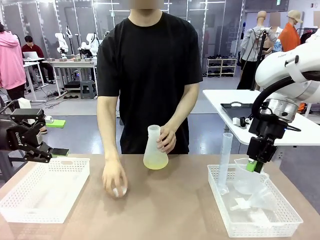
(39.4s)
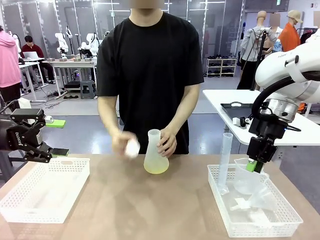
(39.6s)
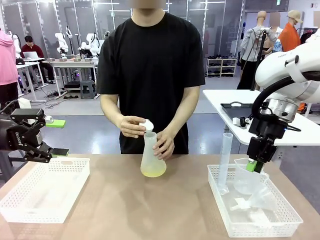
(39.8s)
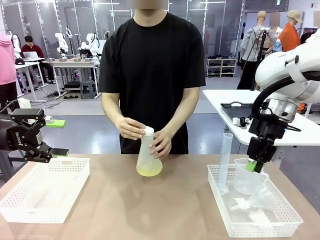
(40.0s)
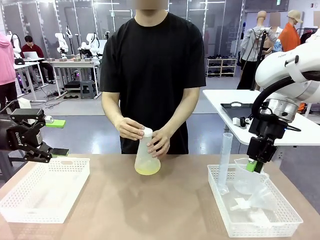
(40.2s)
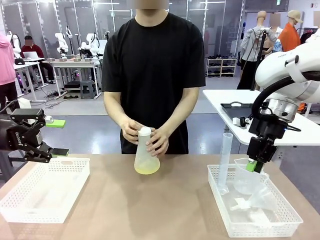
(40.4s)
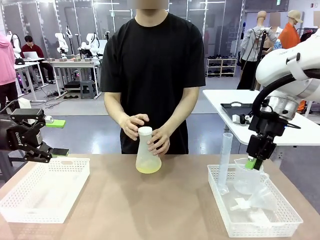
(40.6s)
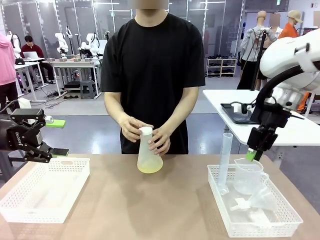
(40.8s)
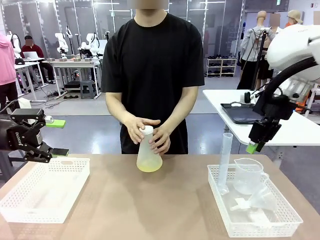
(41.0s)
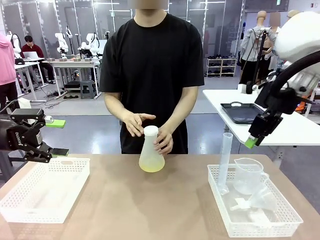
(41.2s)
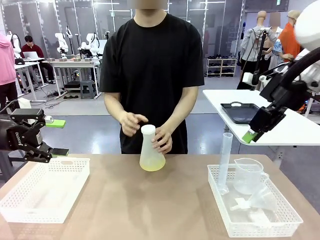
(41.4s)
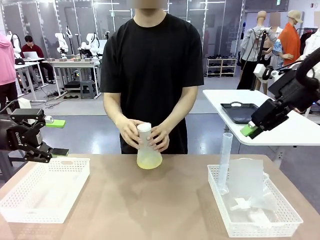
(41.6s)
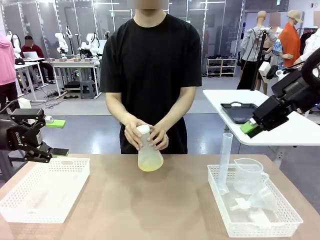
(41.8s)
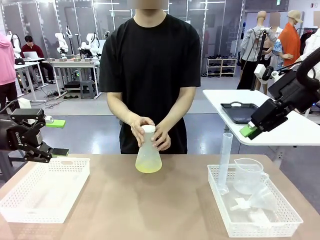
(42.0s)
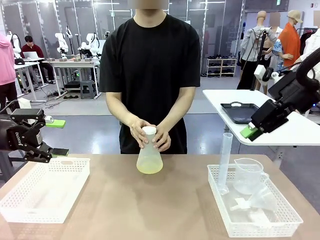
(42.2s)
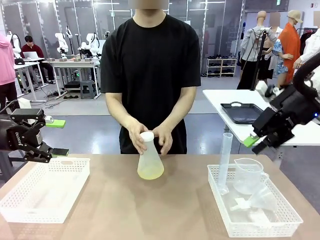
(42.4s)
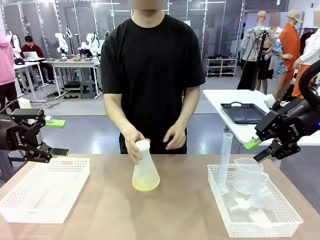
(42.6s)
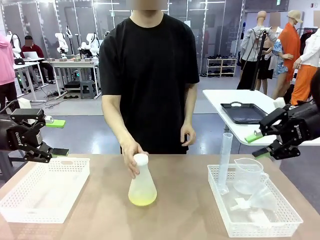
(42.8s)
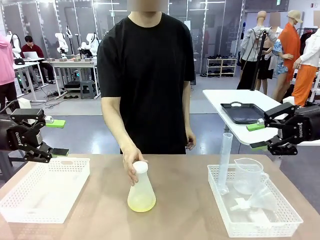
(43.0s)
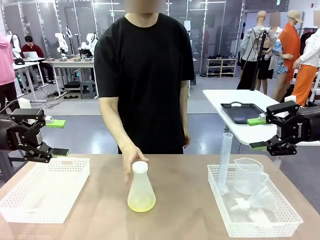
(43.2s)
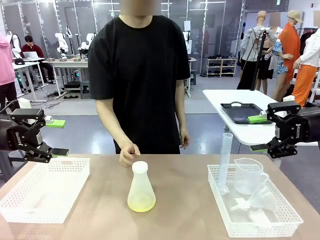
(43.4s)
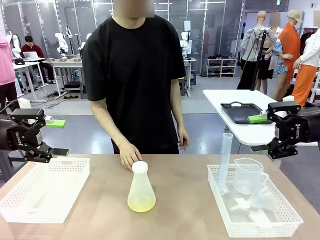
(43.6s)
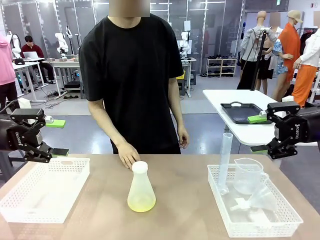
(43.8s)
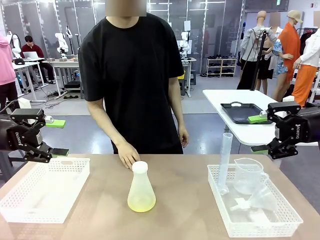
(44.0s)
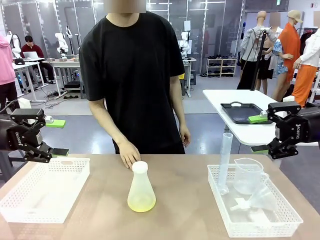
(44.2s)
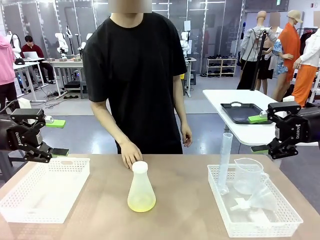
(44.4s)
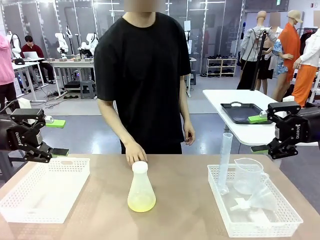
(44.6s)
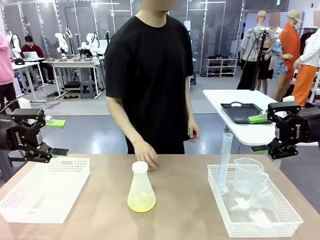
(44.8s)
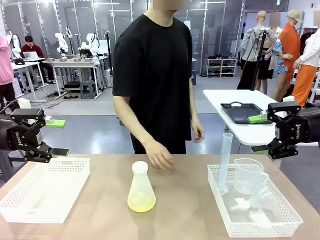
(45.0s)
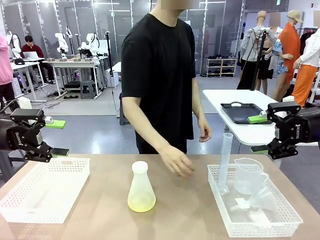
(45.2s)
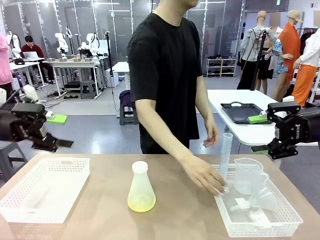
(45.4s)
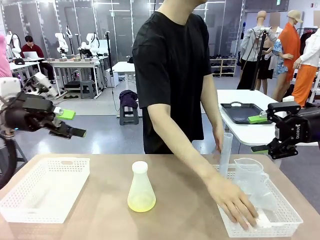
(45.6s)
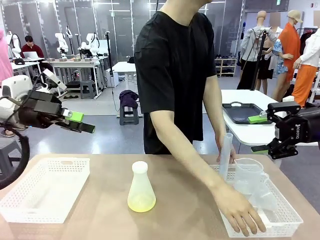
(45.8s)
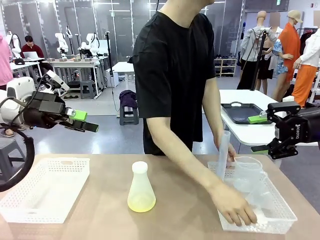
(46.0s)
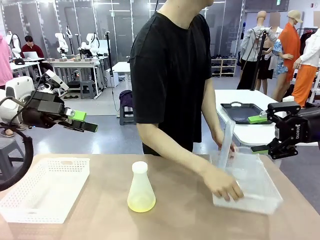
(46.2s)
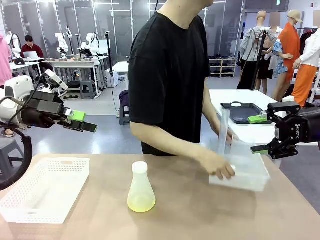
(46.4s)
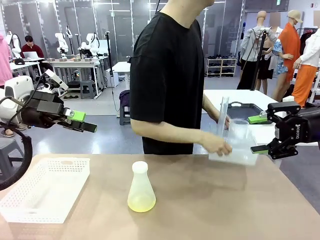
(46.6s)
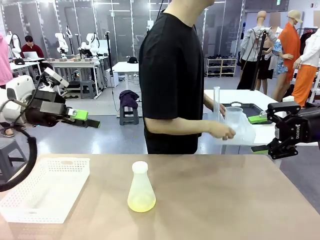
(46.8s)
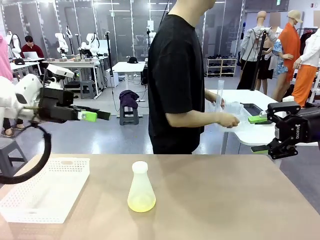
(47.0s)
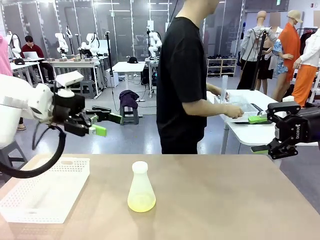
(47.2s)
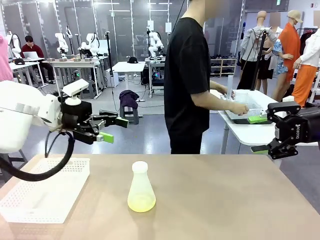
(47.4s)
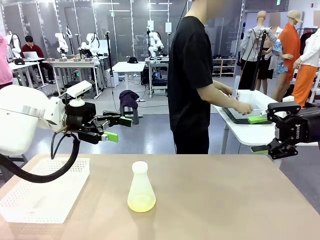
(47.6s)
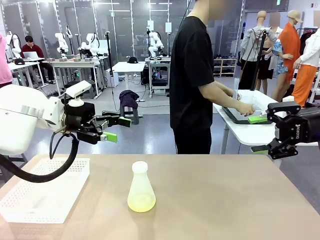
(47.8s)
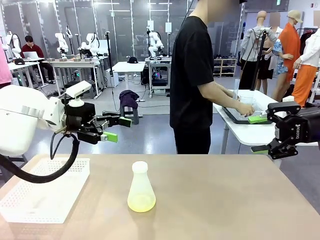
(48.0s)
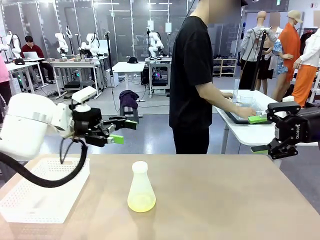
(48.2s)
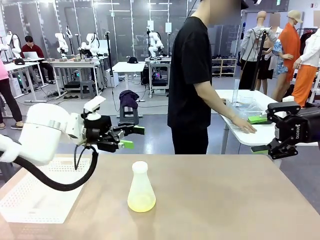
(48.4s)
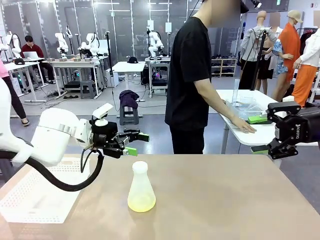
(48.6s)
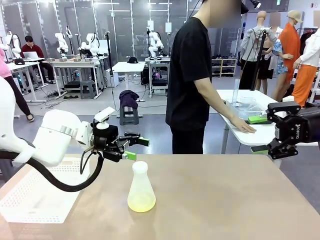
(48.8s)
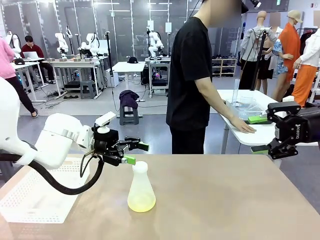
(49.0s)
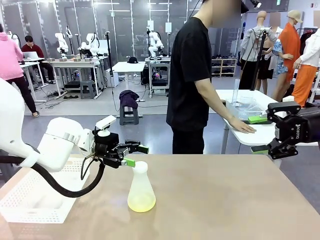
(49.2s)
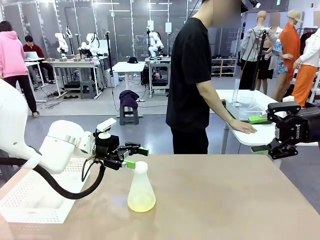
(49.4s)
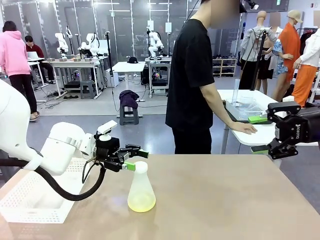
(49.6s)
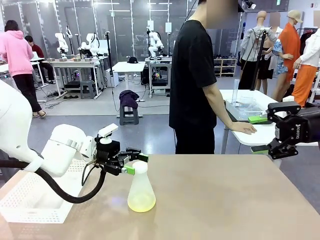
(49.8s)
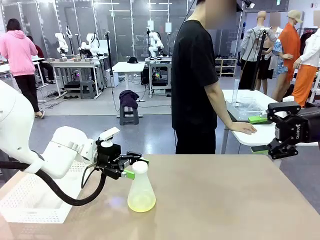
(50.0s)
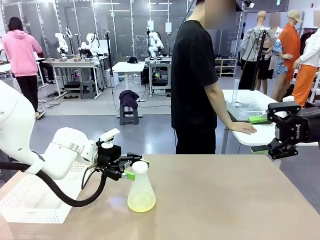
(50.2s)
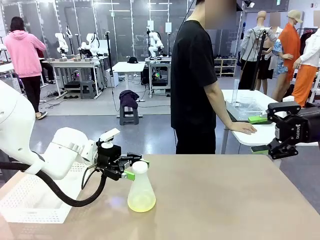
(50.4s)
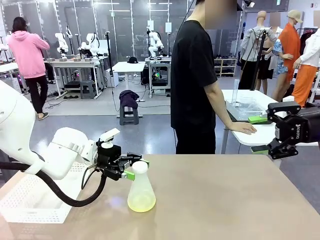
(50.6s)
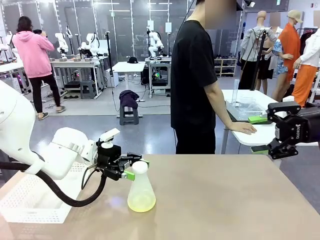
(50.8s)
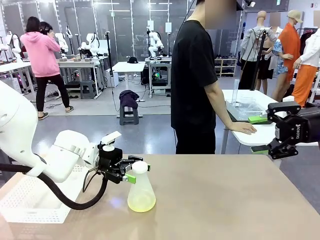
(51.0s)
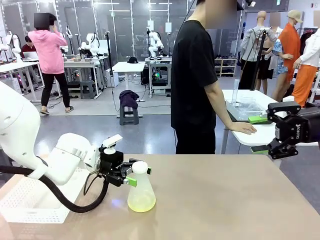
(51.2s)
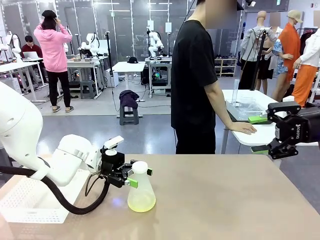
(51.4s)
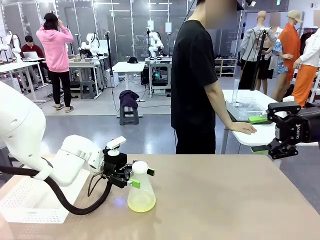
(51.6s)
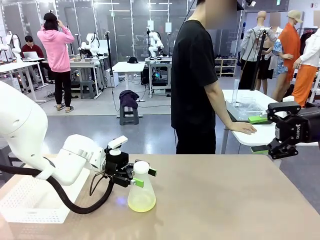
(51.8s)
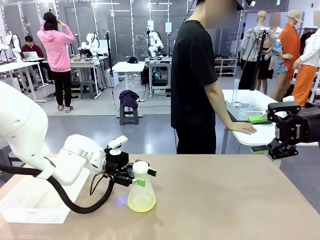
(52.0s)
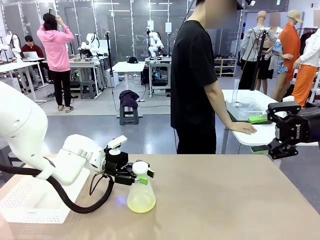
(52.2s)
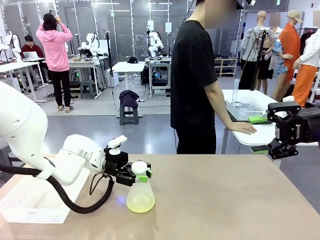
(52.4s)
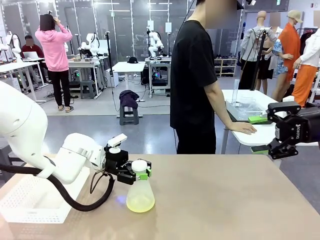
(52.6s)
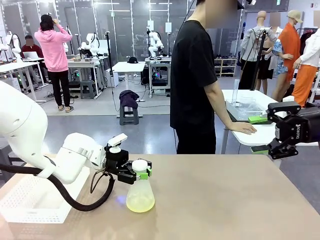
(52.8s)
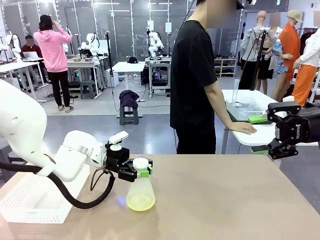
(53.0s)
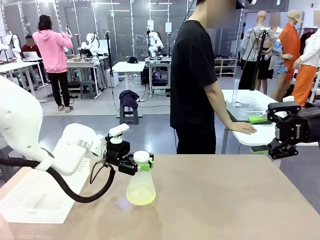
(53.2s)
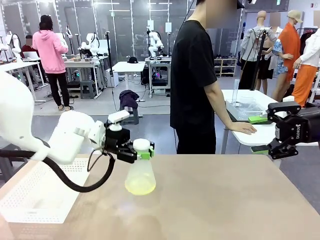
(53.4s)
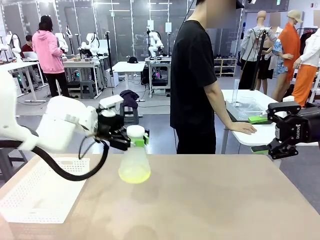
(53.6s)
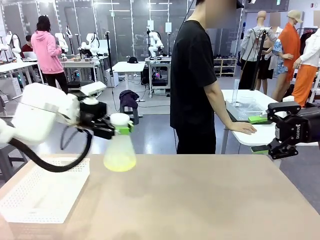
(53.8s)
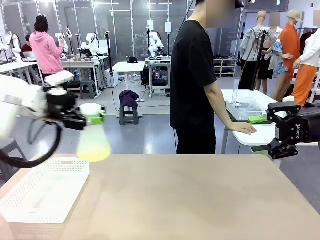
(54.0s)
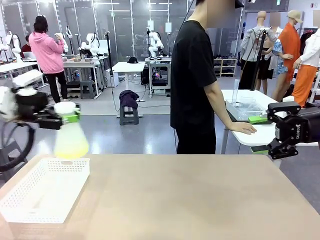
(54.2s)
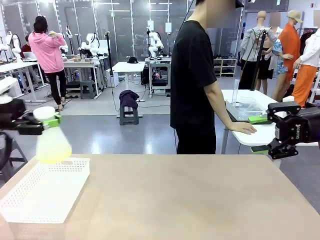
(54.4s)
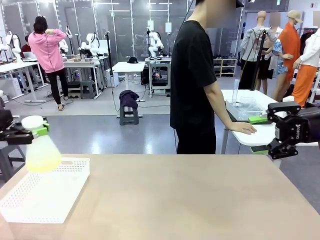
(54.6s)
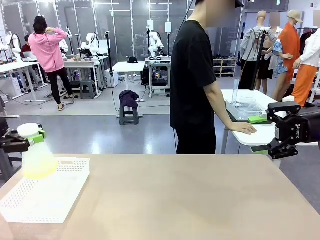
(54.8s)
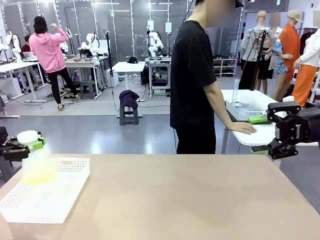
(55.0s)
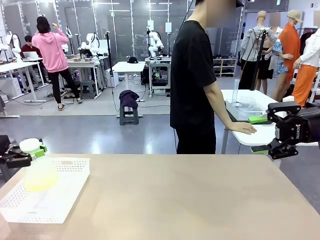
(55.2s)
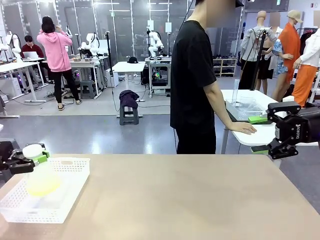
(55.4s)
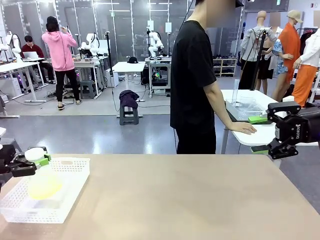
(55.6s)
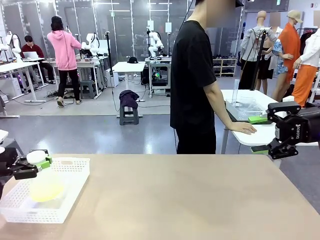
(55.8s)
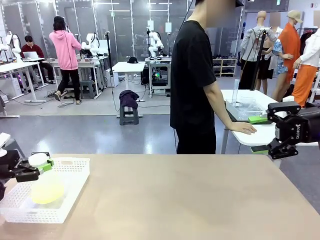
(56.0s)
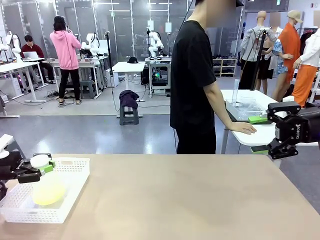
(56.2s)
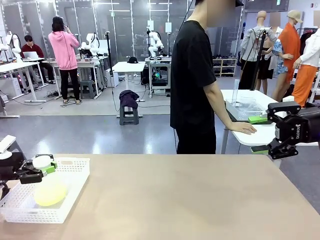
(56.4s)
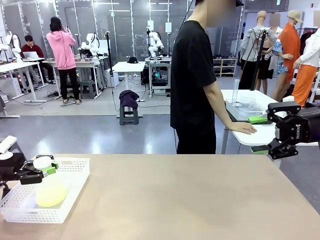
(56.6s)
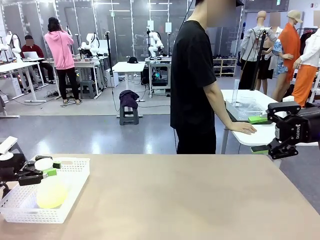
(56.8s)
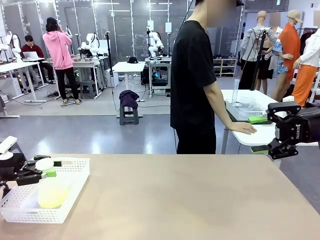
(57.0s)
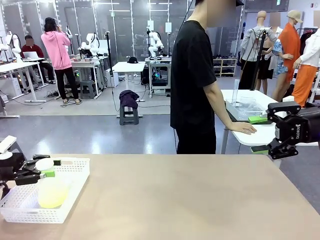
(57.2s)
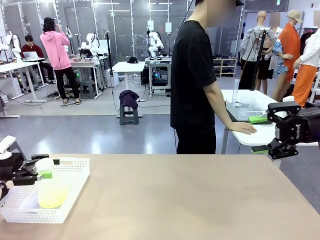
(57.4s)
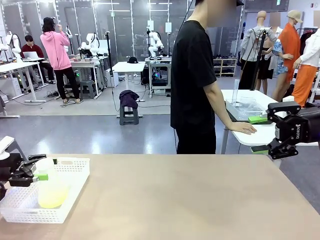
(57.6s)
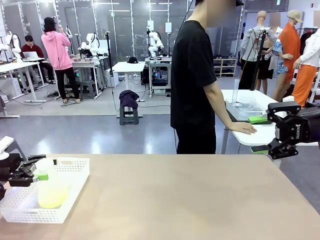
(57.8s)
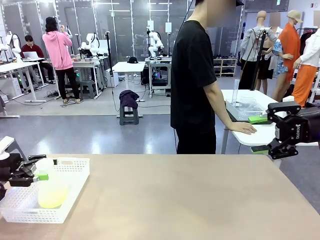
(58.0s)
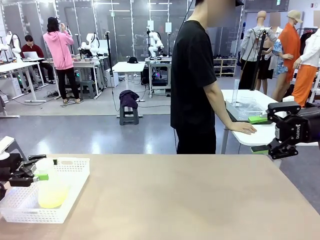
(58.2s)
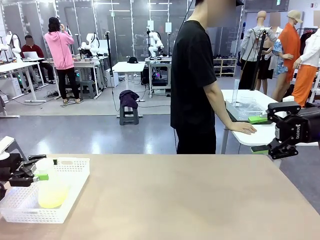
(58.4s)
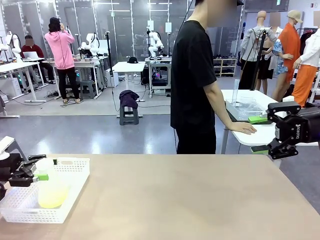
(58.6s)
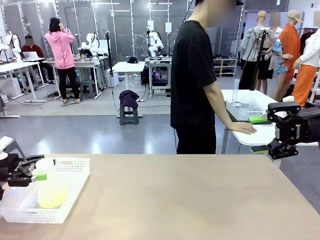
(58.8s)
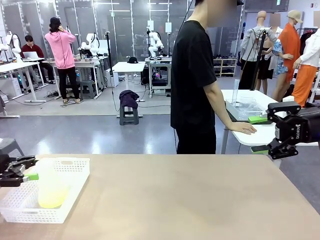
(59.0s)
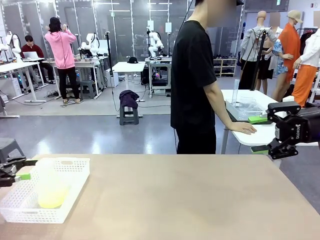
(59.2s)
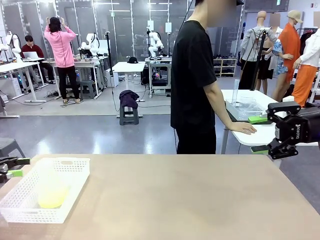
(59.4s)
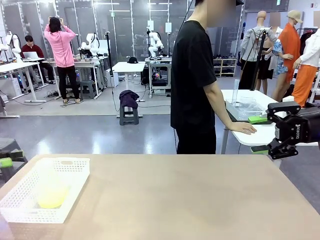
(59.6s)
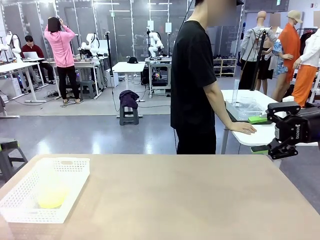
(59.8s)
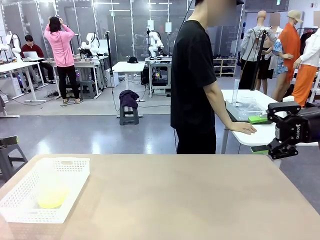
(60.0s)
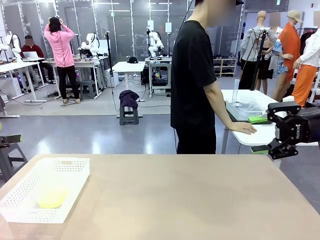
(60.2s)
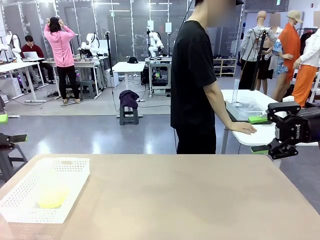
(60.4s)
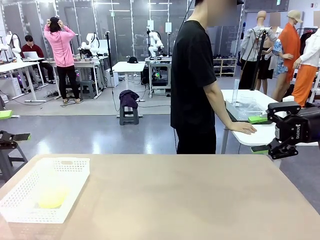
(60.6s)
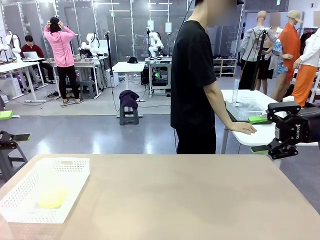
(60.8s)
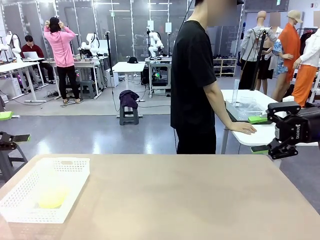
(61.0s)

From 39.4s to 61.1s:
Task: Prepare the solutions needed for the experiment.
Robot: When the human places the Big flask in the center of the table, pick up the Big flask and place it in the left Organizing basket.
Person: Pick up the organizing basket on the left side of the robot table and place it on the left side of the human table.
